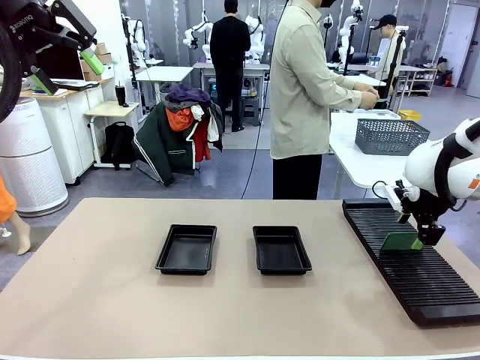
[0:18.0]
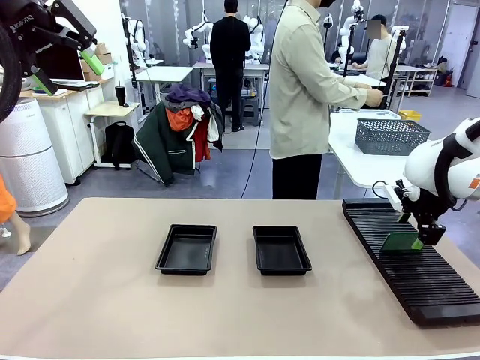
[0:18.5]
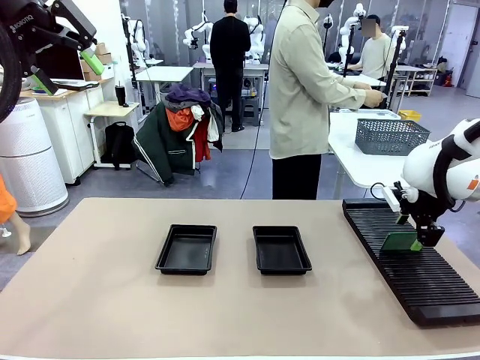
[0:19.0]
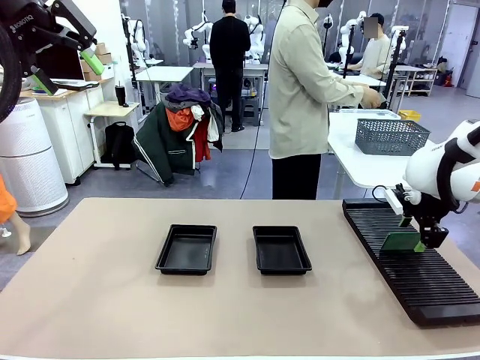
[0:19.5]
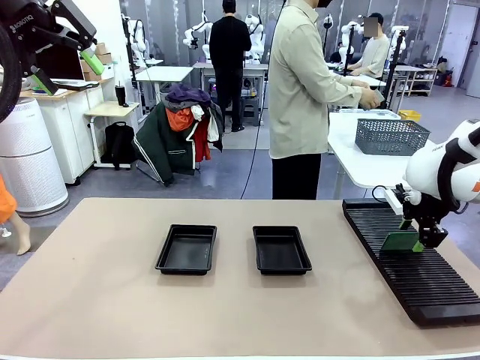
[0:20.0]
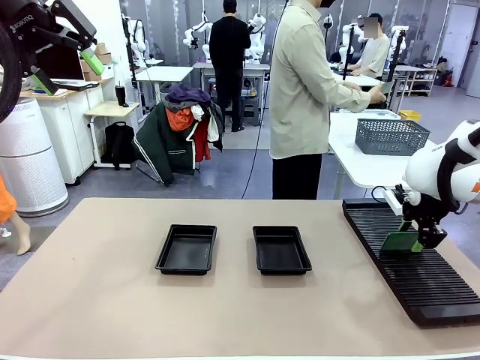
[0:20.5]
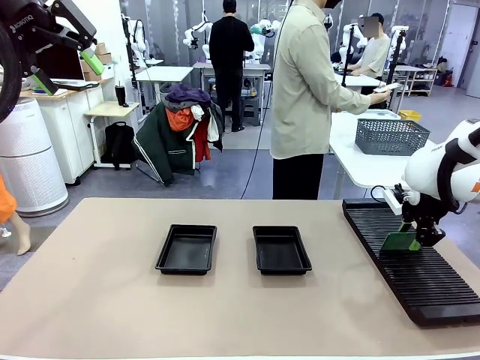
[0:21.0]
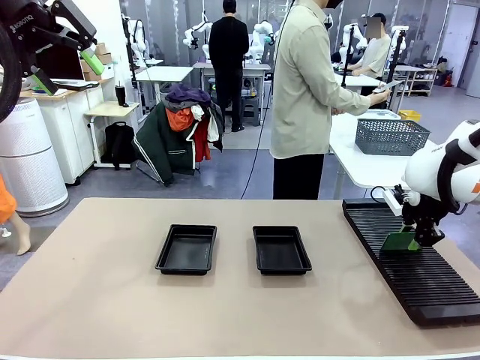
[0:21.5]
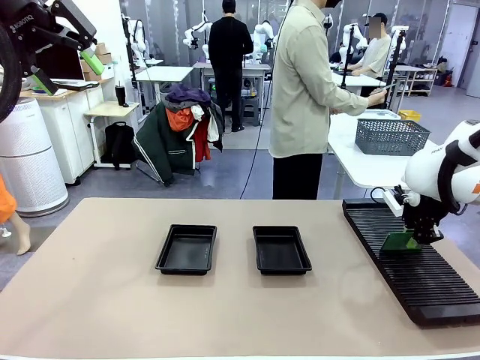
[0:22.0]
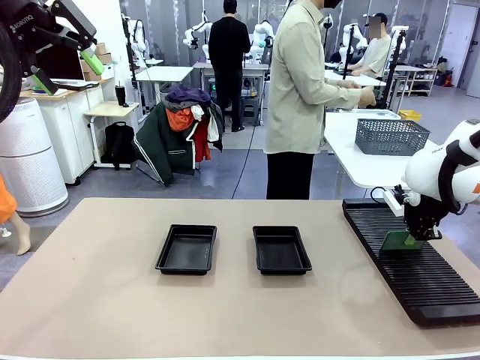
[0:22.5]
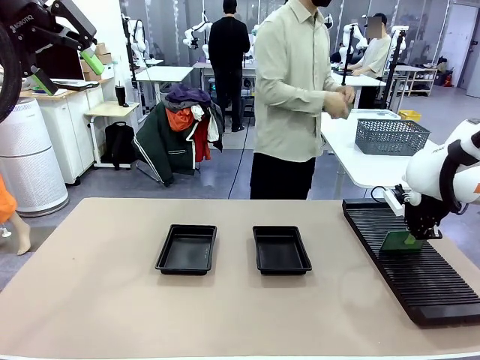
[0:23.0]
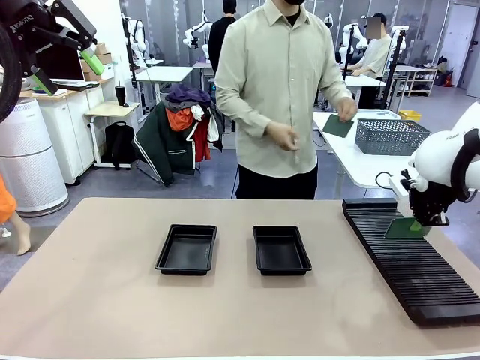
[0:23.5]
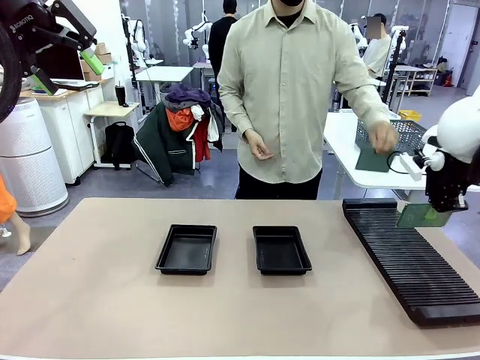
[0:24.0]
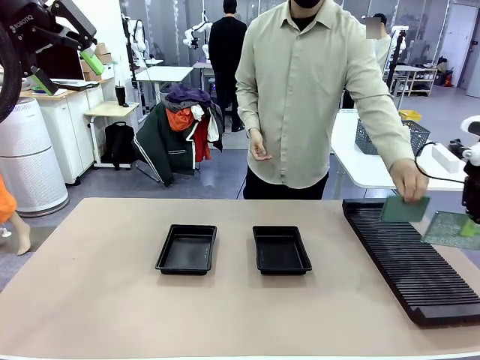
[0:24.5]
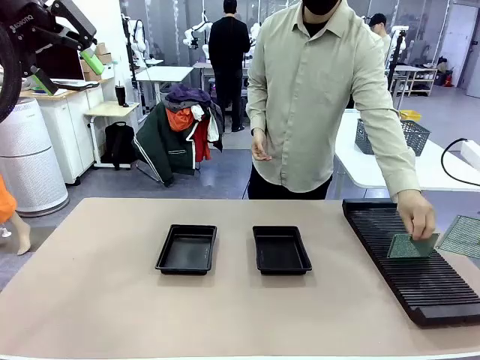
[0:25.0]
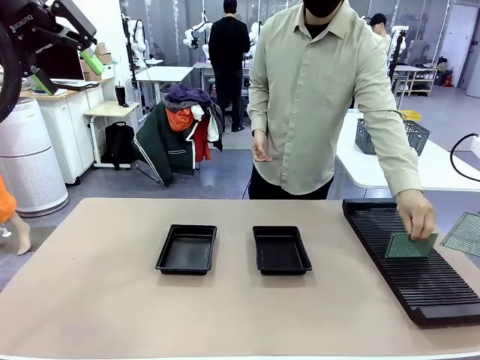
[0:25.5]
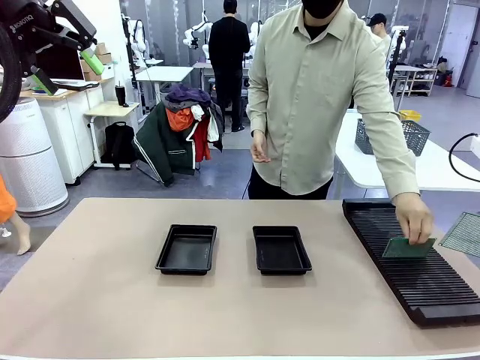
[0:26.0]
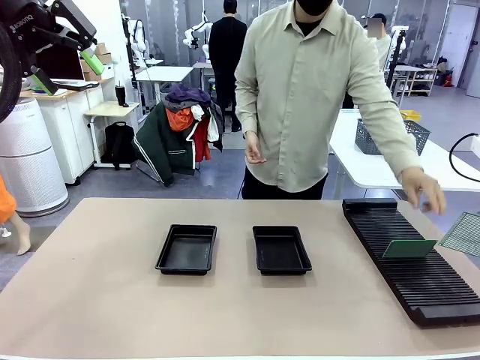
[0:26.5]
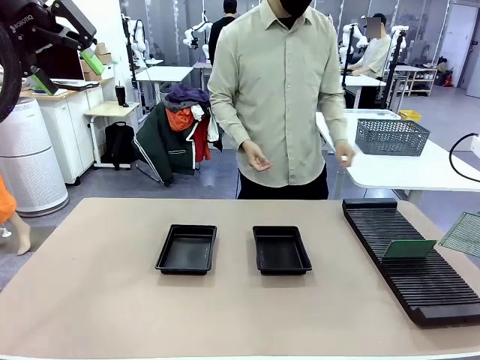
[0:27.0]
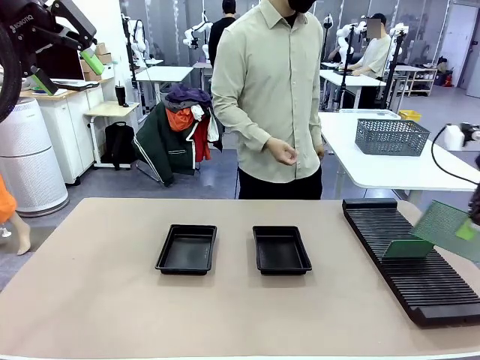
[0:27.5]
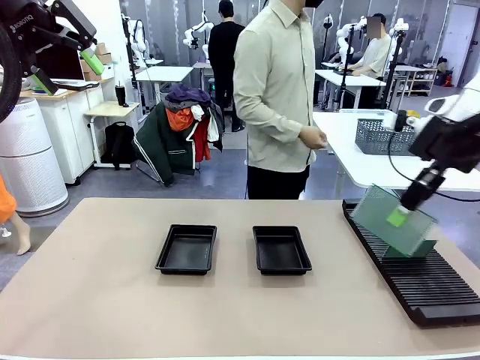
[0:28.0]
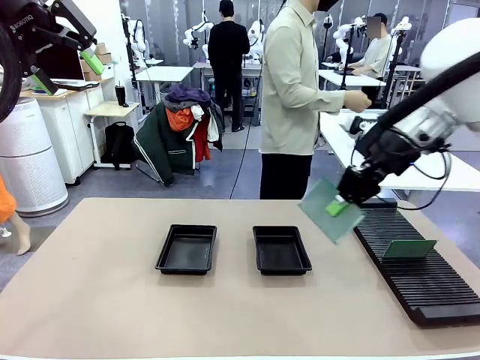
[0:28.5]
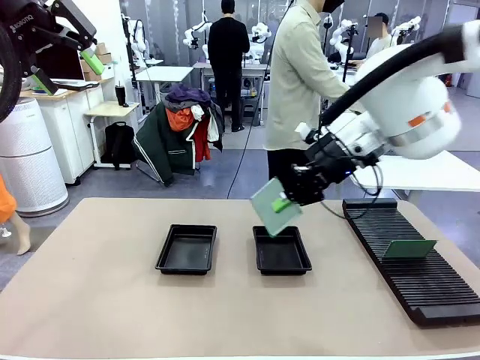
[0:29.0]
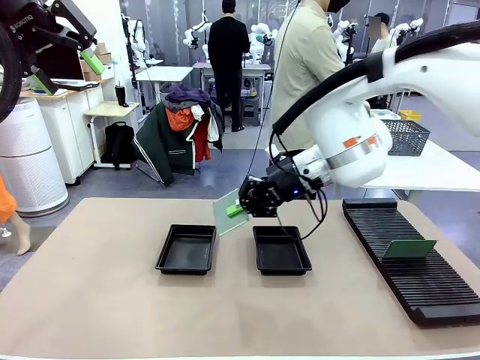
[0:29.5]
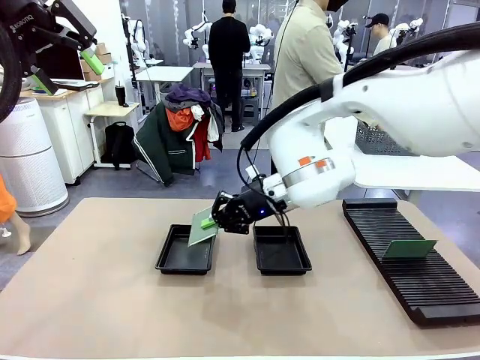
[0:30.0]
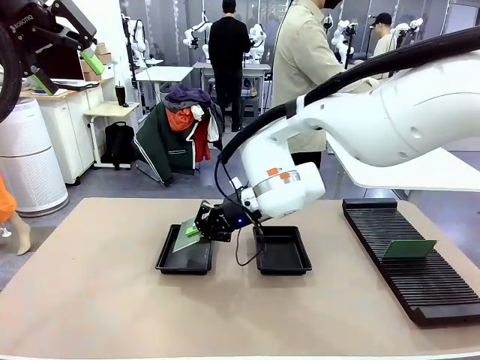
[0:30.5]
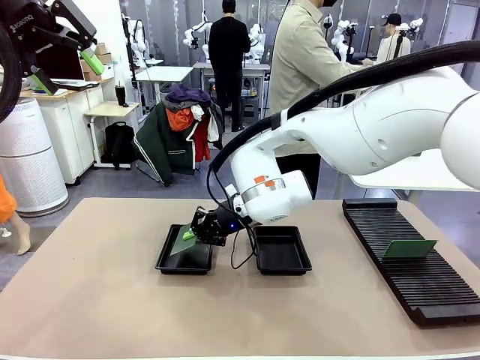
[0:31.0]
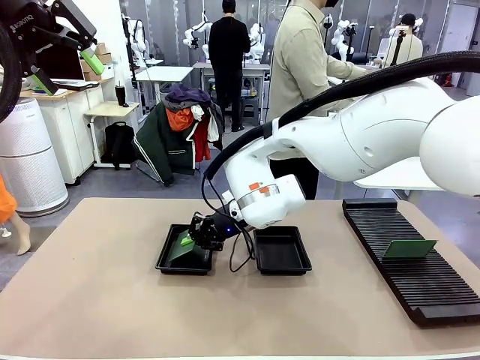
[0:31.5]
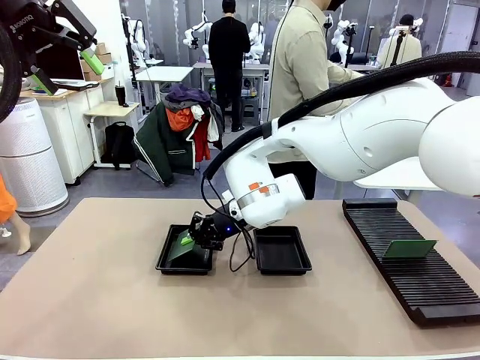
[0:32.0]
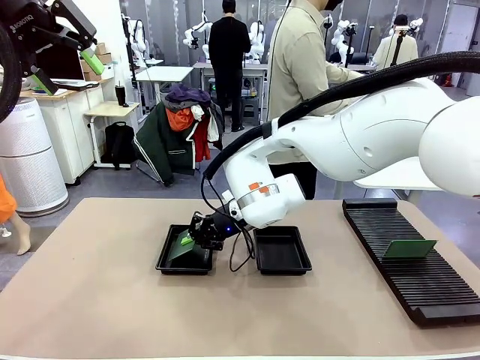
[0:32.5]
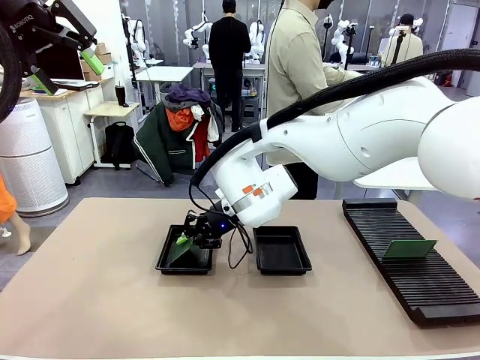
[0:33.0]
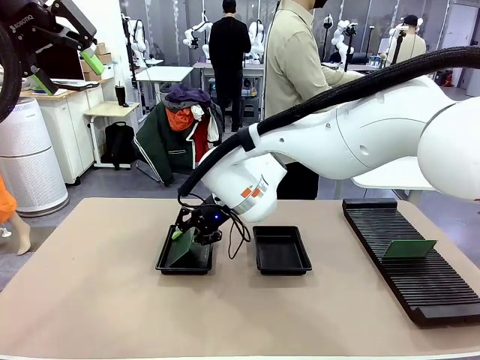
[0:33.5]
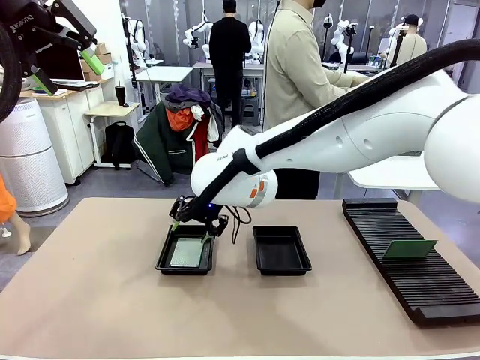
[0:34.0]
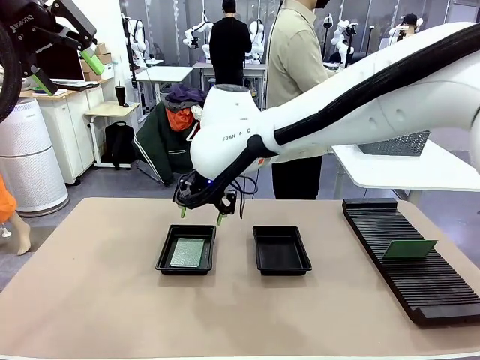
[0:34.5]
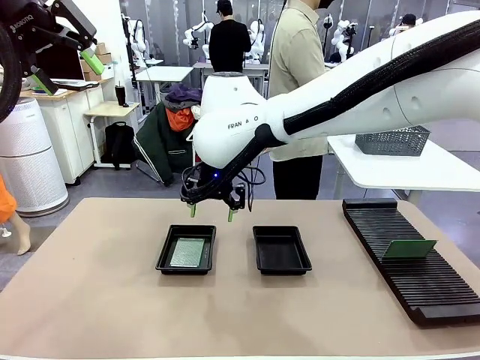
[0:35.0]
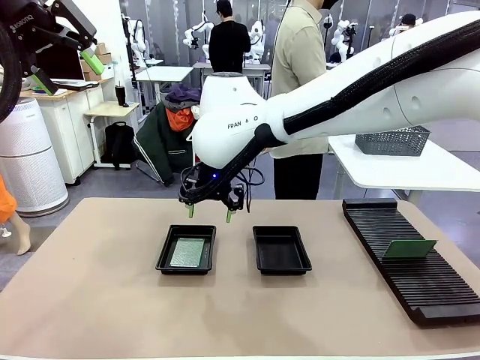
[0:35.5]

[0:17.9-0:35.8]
Task: Inspect and transfer BCBs to ESD trays.
Robot: Pick up the Blank PCB from the PCB Rack and place it in the left ESD tray.

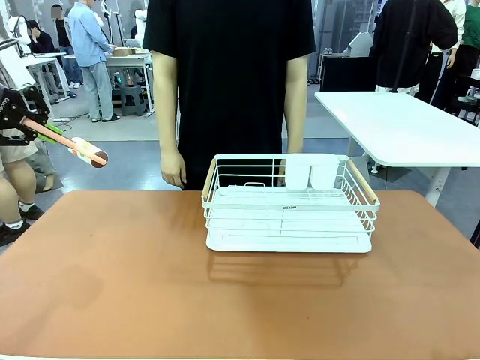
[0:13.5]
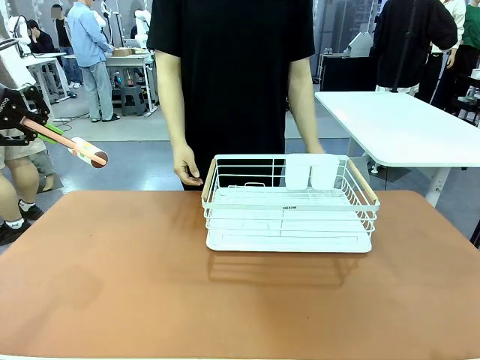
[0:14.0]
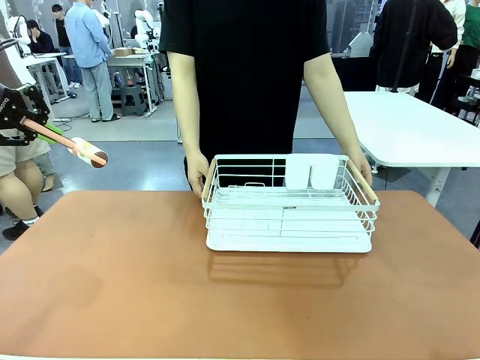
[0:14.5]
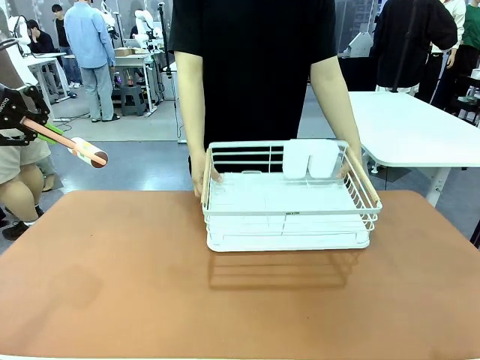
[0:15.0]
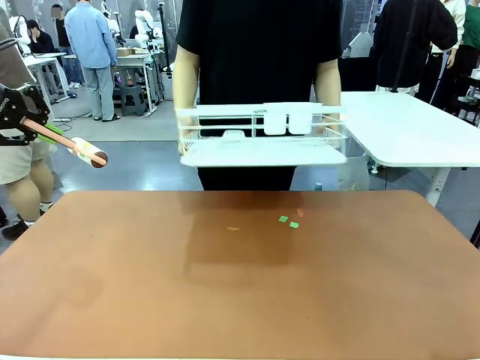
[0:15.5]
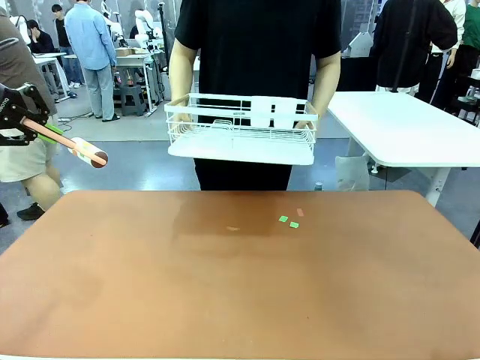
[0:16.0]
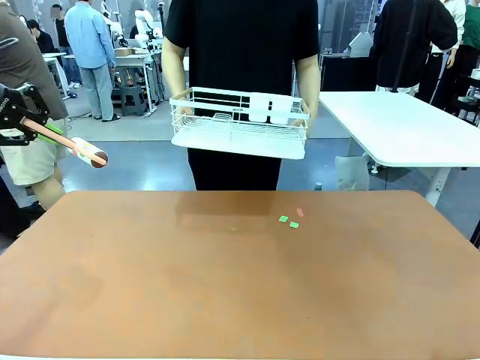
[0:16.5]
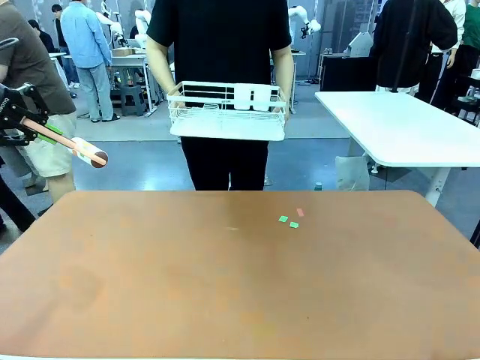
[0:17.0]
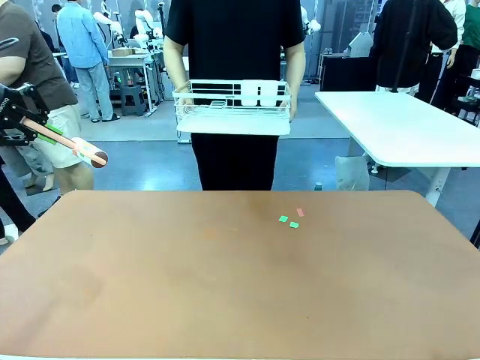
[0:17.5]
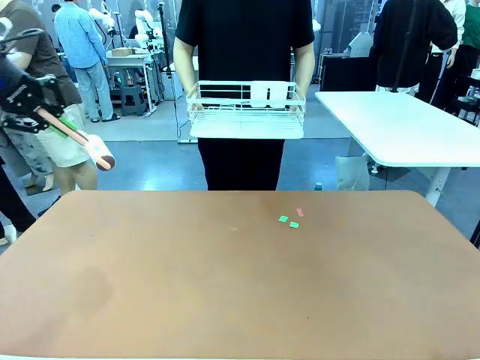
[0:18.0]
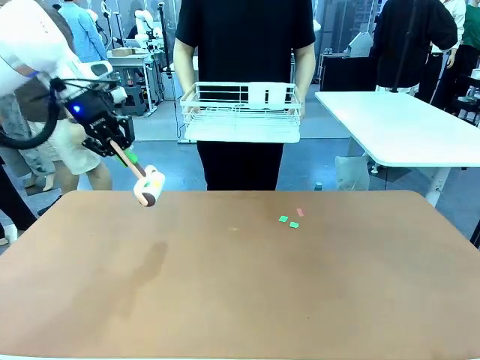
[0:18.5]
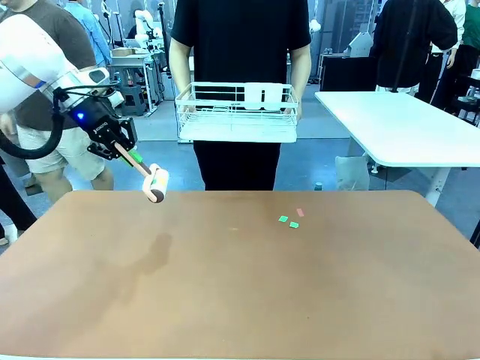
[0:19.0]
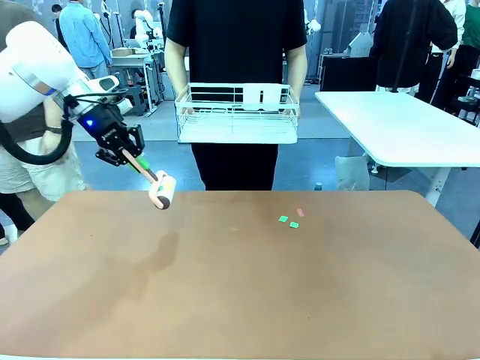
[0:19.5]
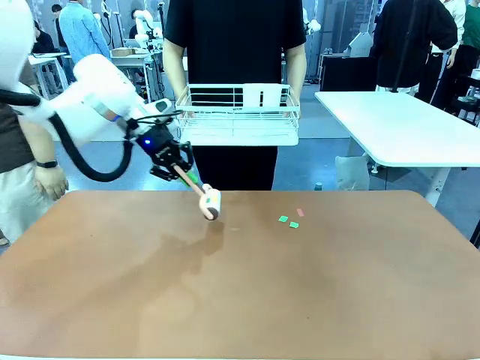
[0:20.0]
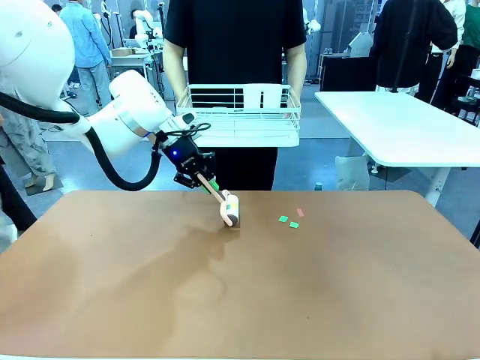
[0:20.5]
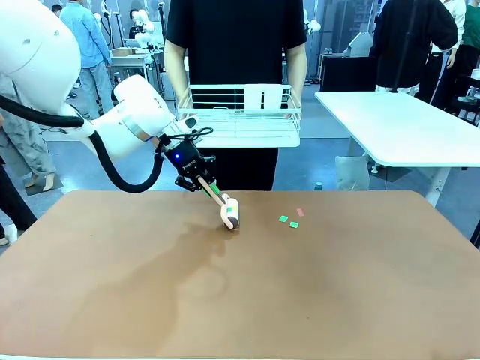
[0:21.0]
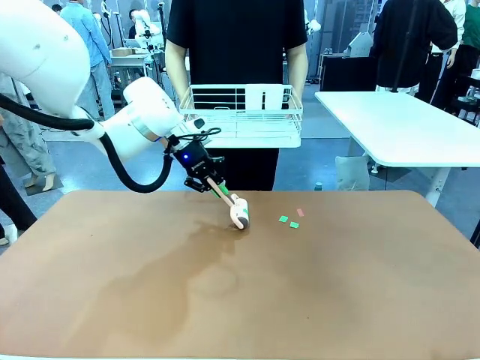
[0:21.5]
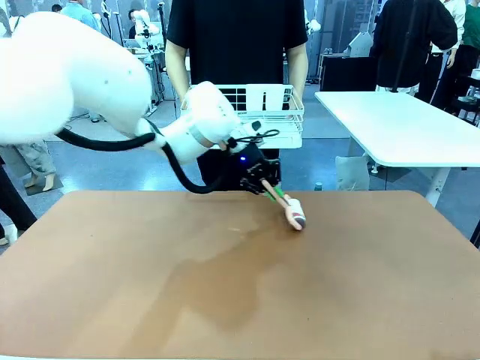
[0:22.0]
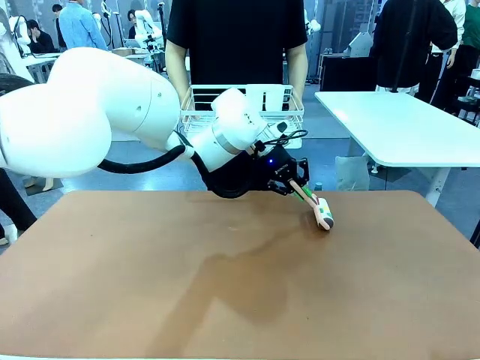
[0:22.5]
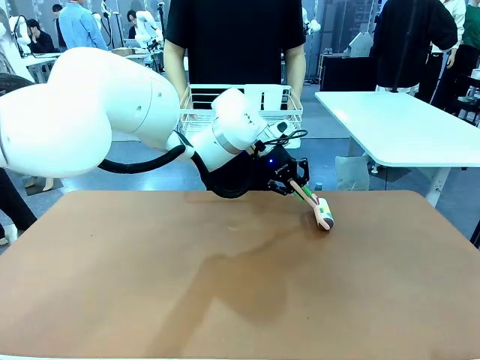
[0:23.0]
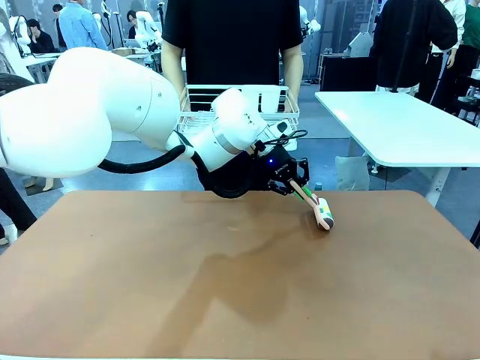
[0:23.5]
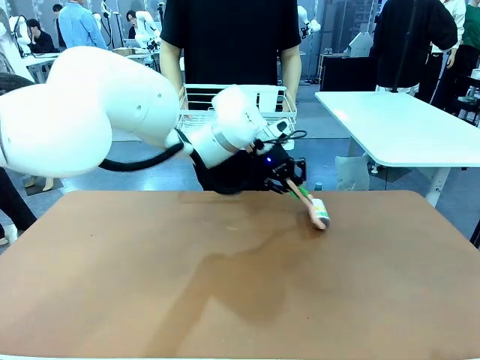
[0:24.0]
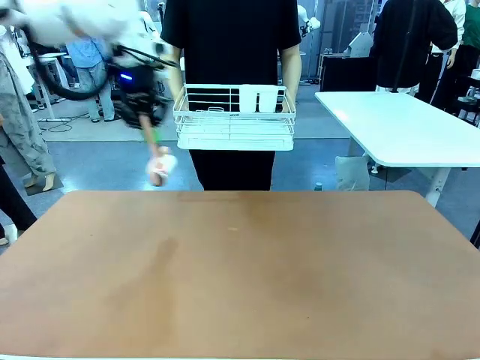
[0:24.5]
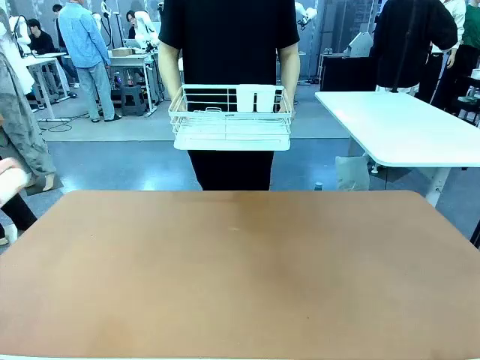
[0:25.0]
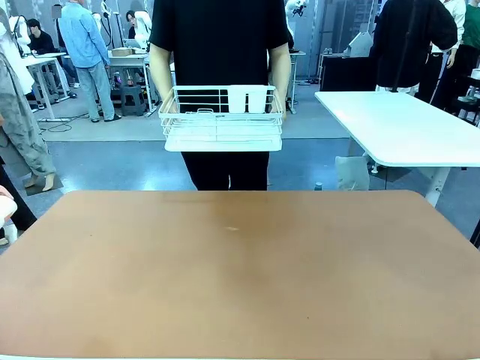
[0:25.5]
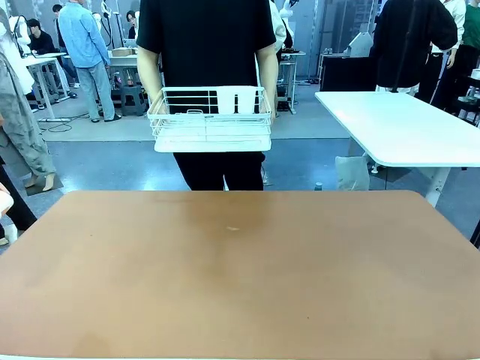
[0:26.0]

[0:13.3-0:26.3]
Task: Clean the table.
Robot: Clean the table with the Lint Roller when the human lifts the Dish drying rack.
Person: Place the Dish drying rack down when the robot finishes cleaning.
